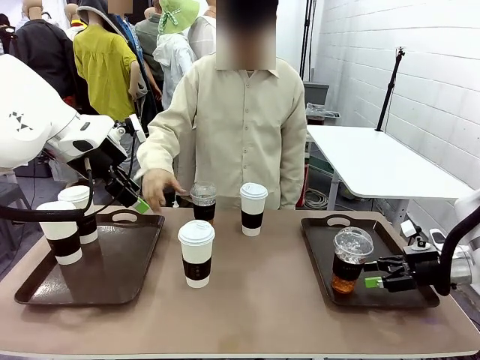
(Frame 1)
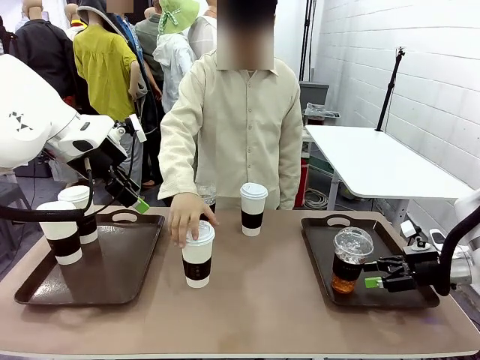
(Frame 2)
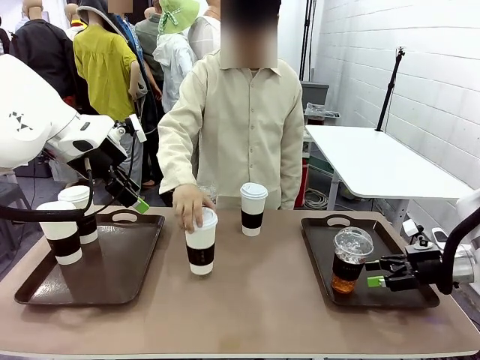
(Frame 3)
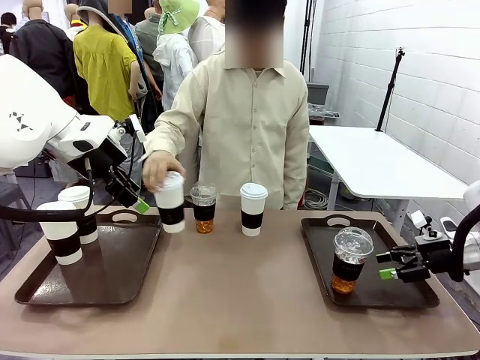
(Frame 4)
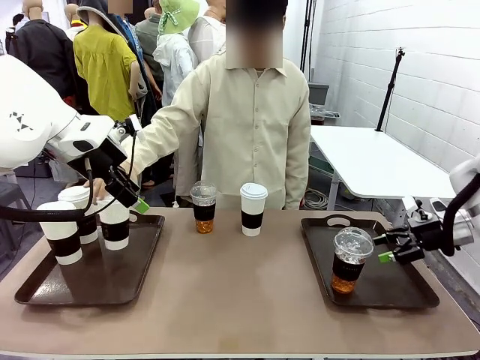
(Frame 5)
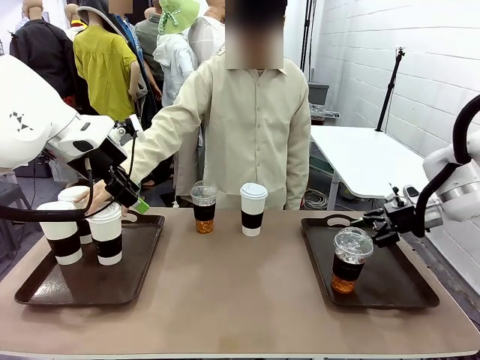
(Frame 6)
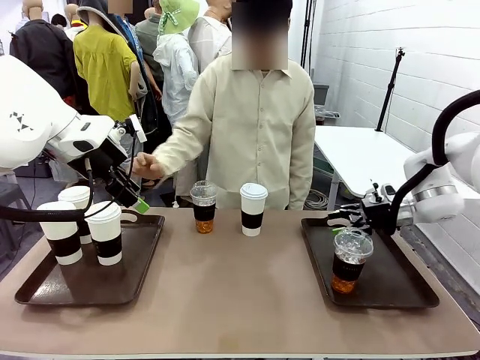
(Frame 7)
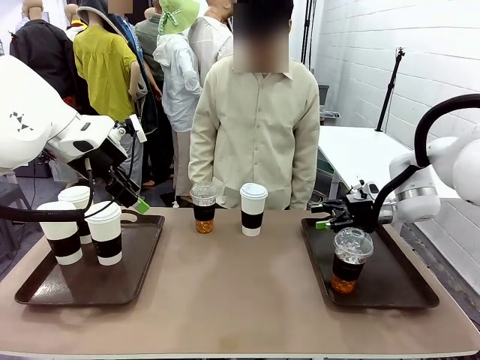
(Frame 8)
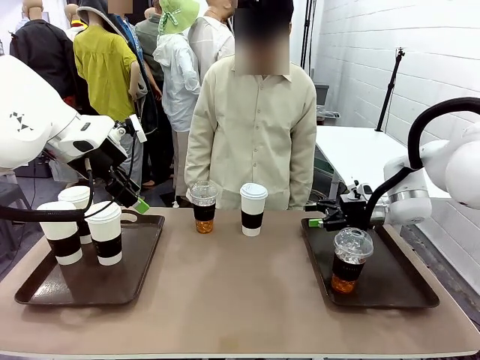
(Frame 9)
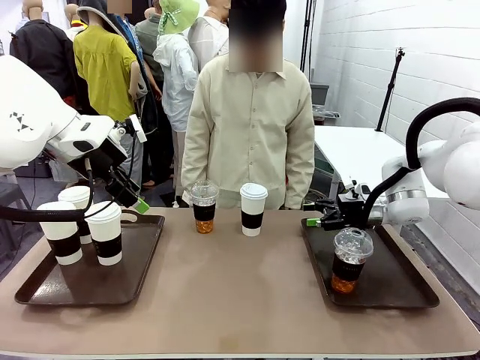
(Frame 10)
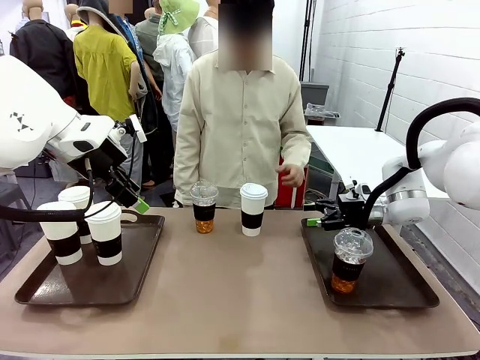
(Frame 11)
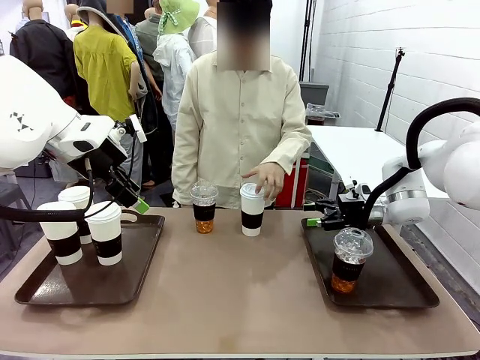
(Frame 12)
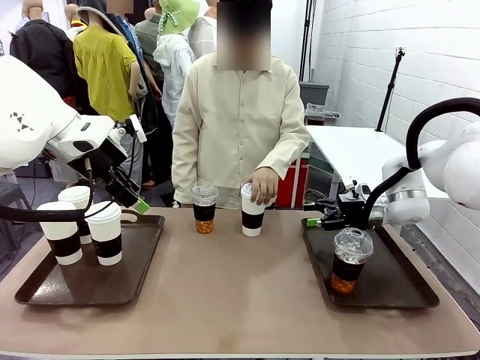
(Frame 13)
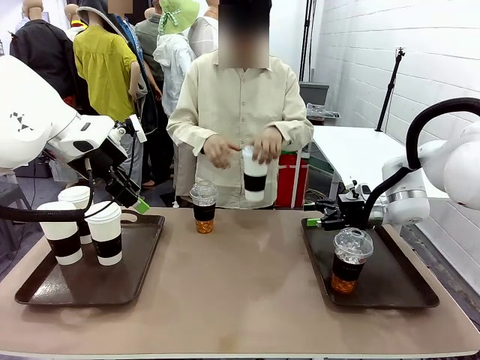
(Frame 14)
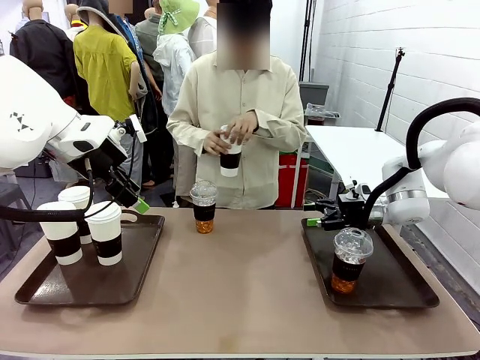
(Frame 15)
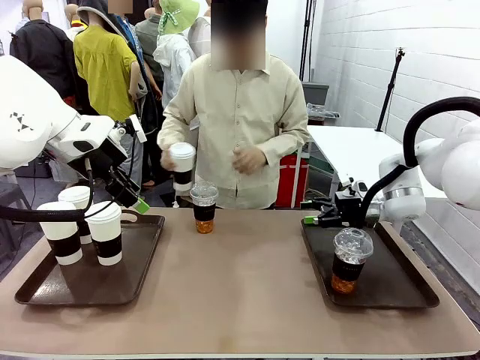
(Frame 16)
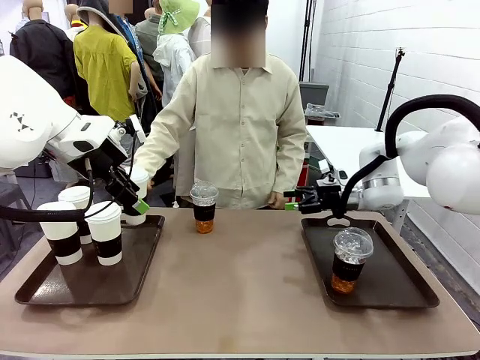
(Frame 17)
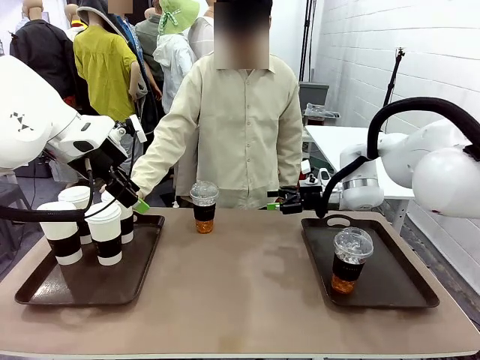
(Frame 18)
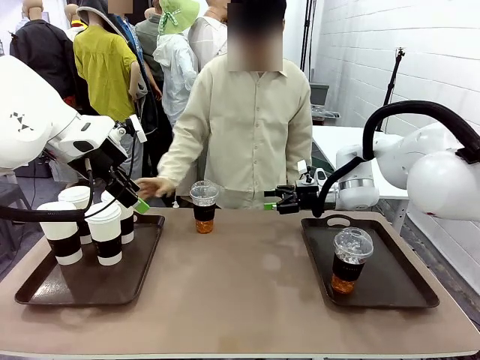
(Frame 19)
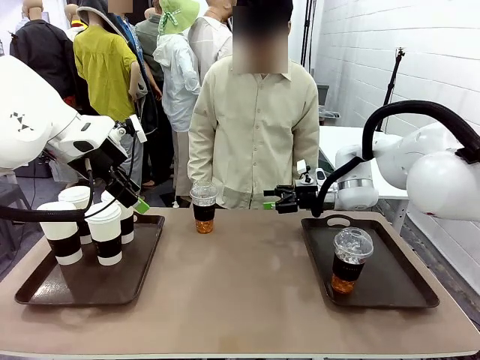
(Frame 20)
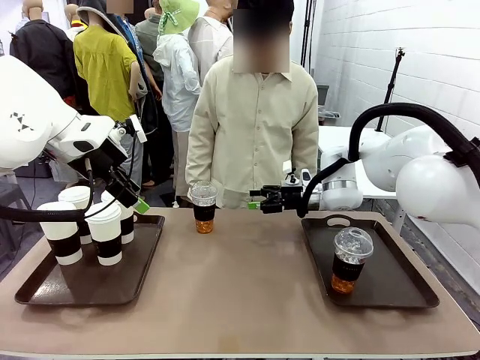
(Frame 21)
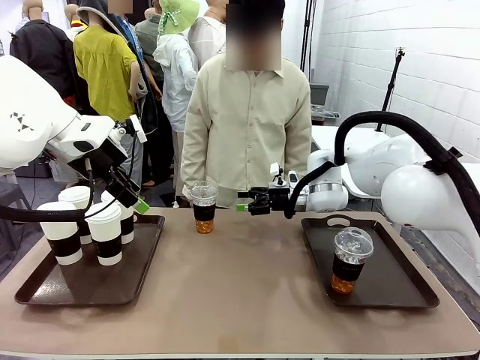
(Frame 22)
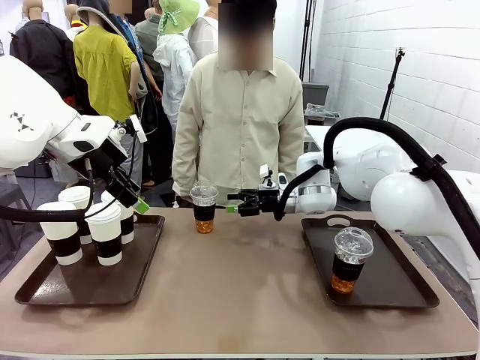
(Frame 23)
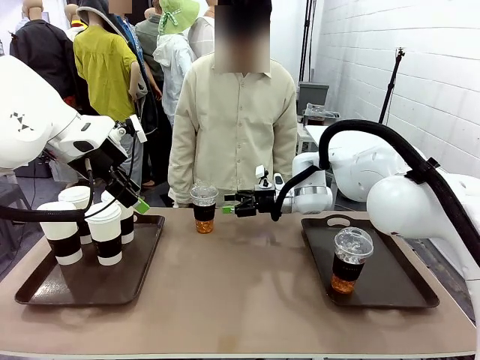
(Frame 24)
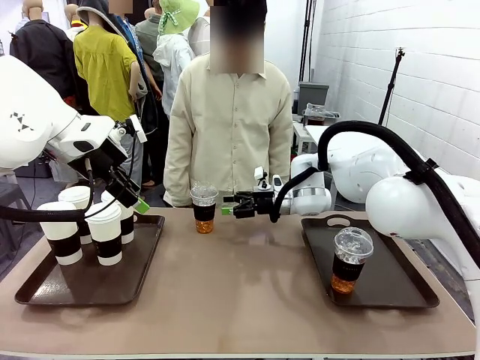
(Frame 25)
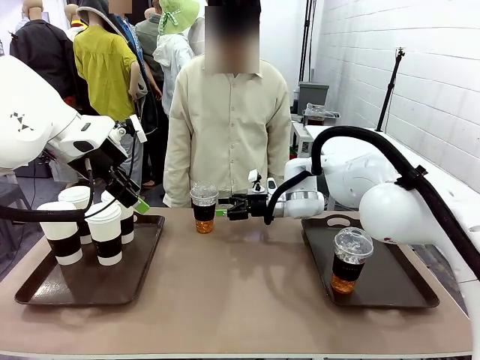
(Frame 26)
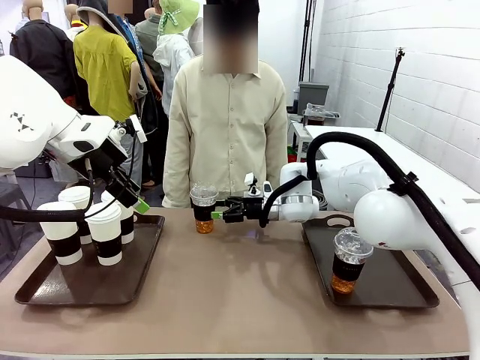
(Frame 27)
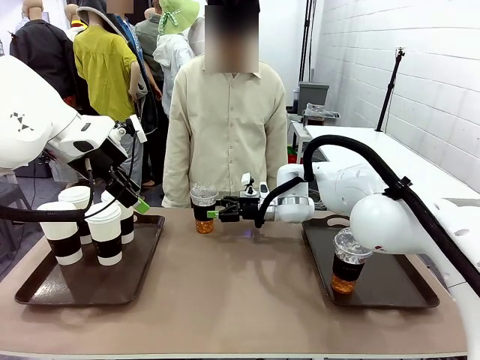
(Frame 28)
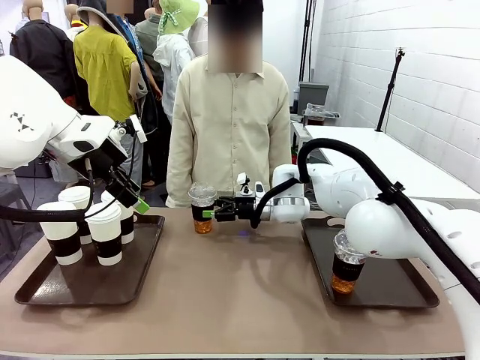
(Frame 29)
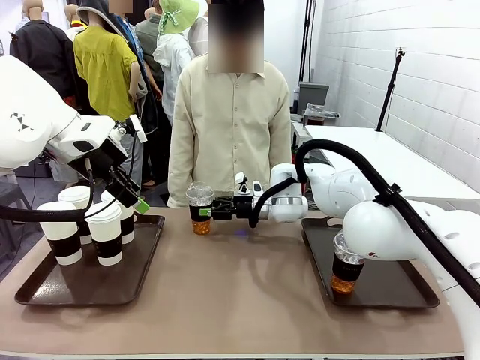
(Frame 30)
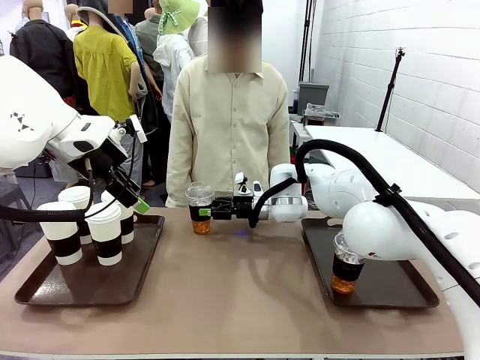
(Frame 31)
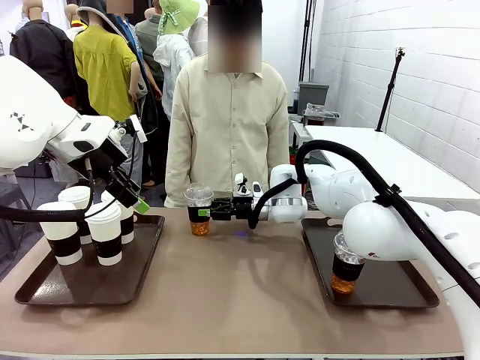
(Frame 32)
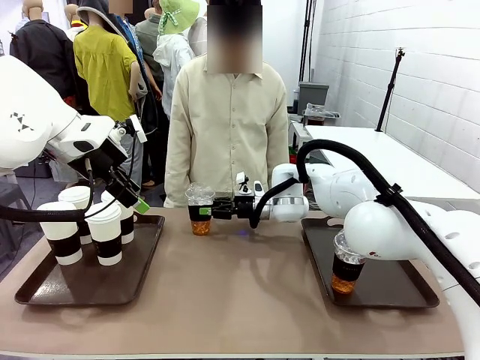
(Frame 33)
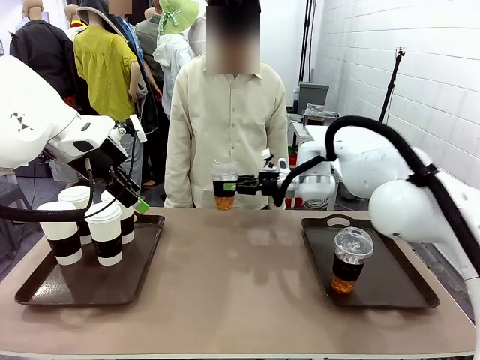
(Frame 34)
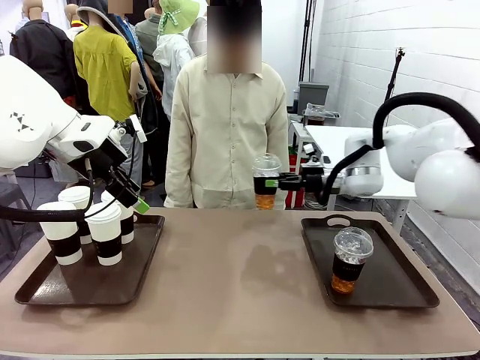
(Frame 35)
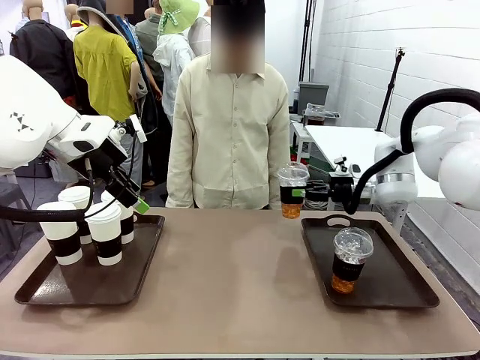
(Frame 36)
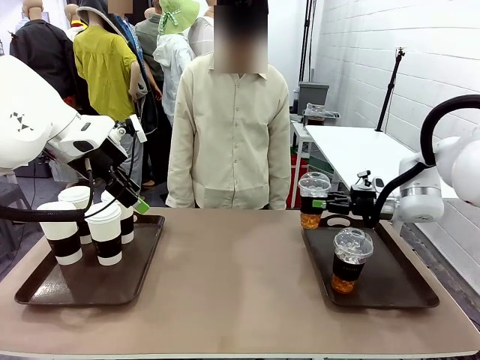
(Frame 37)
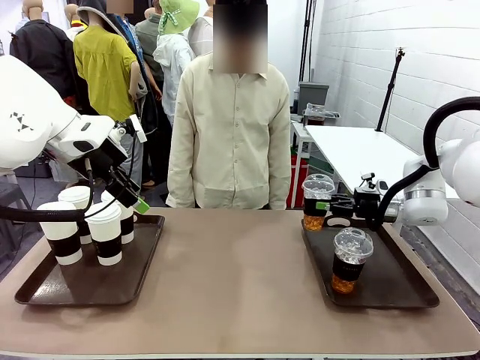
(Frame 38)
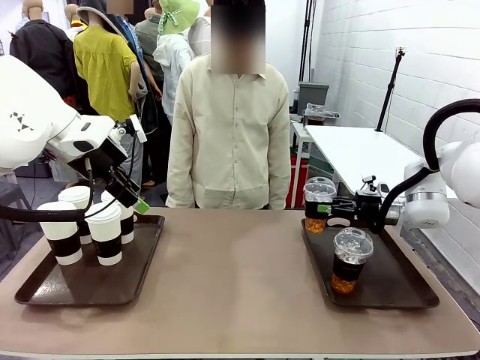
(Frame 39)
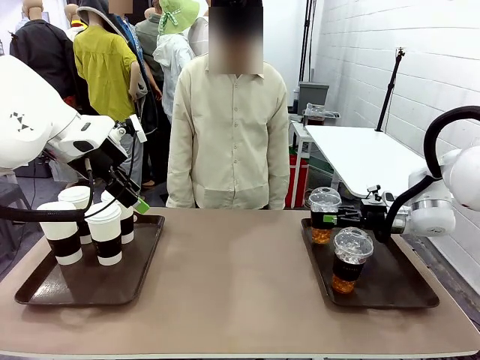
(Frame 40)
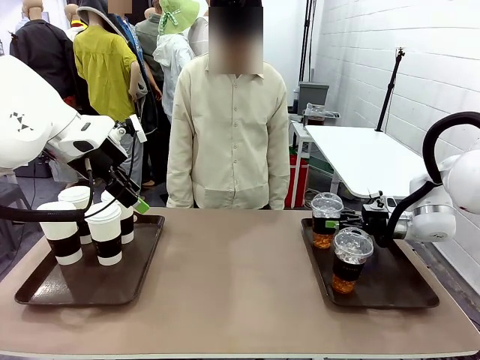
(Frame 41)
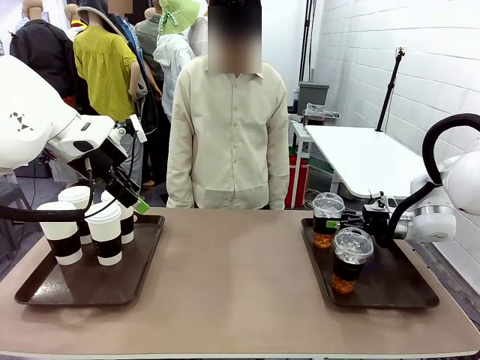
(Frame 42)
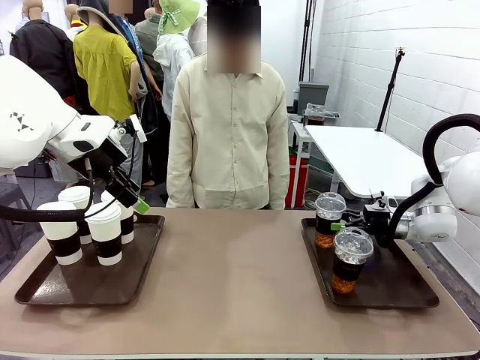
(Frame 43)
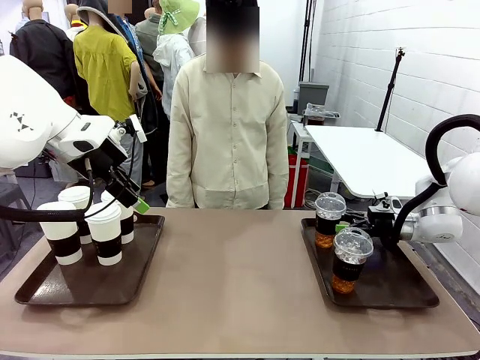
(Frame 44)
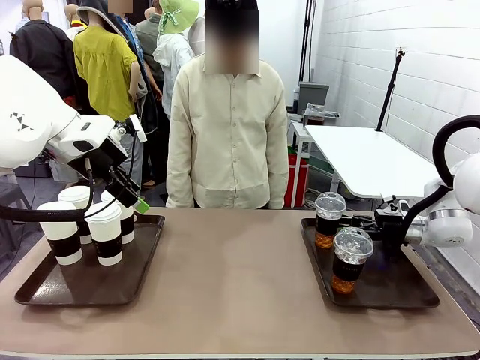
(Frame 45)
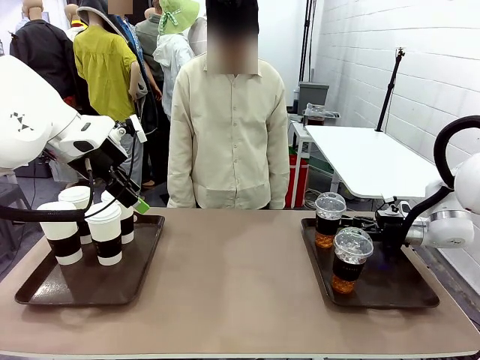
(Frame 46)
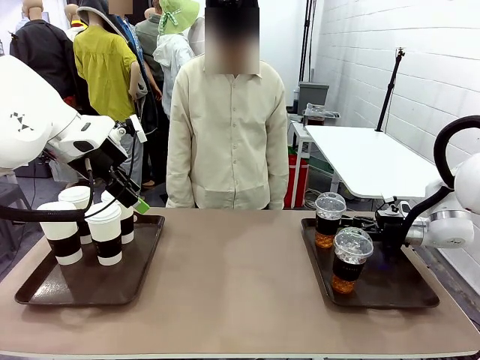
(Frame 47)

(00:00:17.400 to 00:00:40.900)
Task: Distribute the coffee onto the tray.
Robot: Pick up another iced Americano from the middle of the table and place it on the right Handle tray.
Person: Pick up a cup of hot Americano from the middle of the table and place it on the right tray.

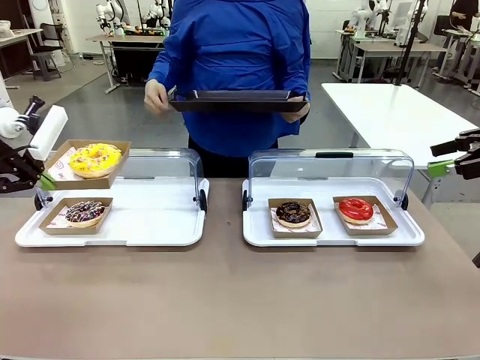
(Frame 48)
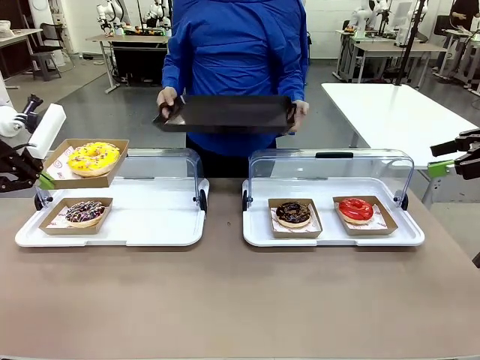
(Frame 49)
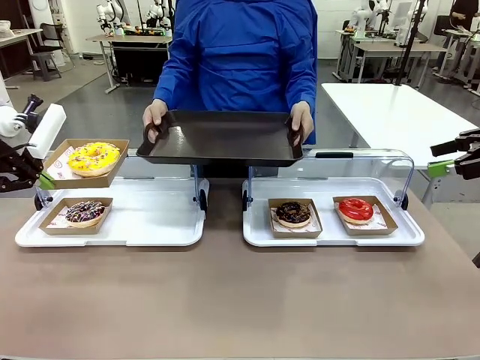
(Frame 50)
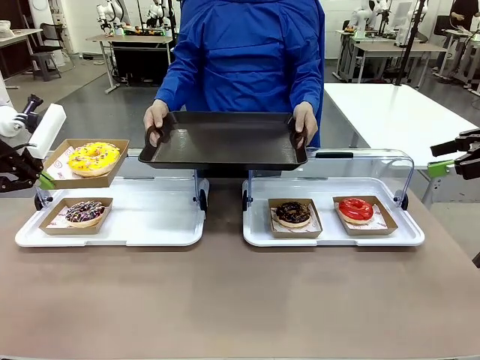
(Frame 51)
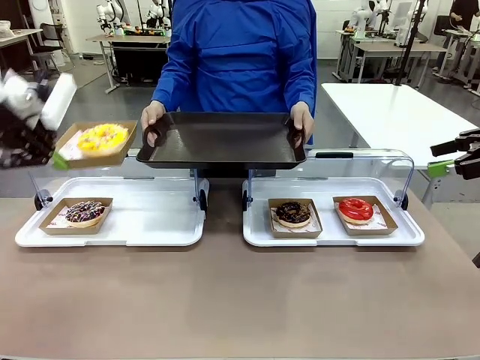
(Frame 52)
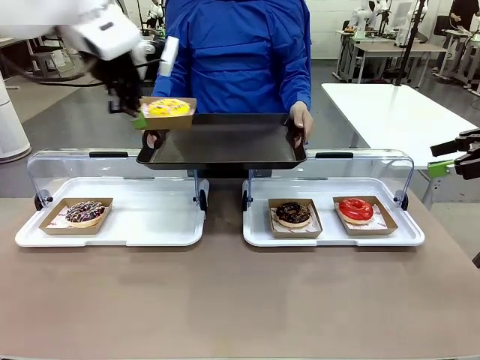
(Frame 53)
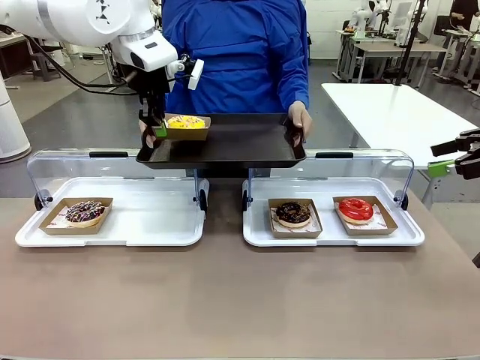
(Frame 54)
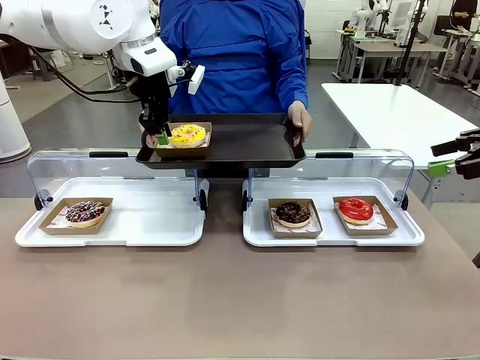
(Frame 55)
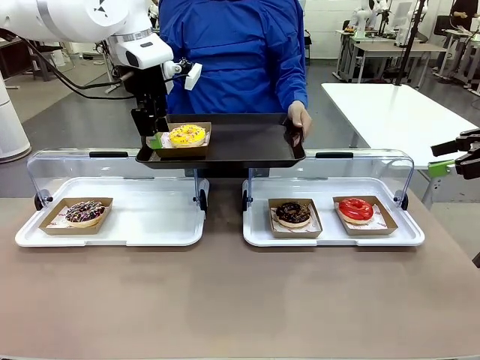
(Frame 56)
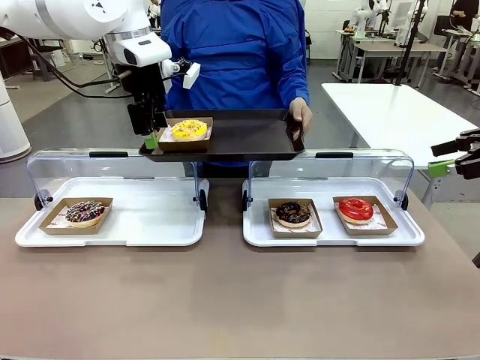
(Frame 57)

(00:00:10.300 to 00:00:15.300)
Task: Provide the desired donut to the person.
Robot: Place the picked Paper togo box onto the Handle tray extended by the person.
